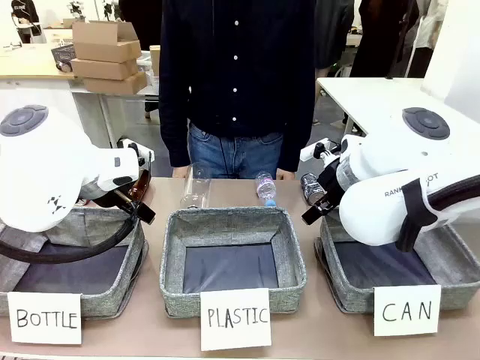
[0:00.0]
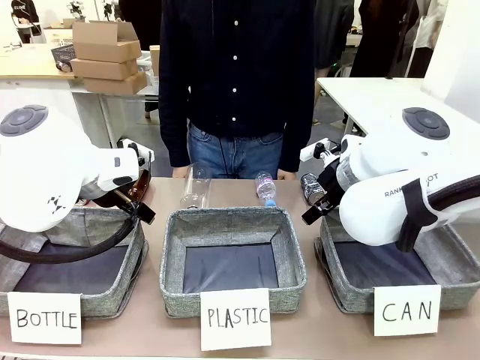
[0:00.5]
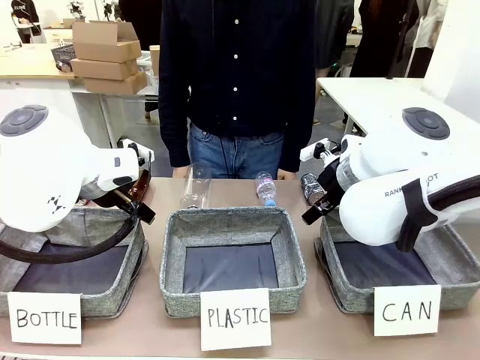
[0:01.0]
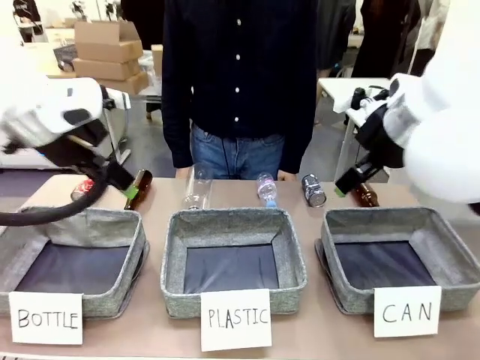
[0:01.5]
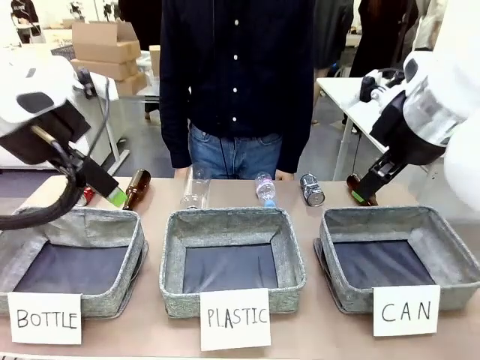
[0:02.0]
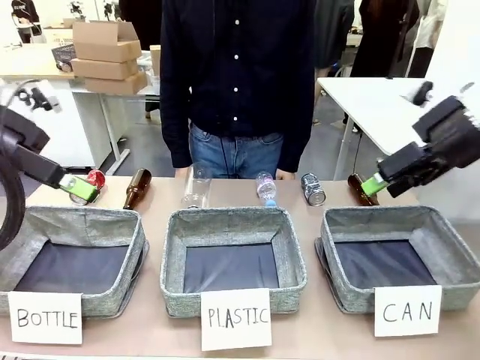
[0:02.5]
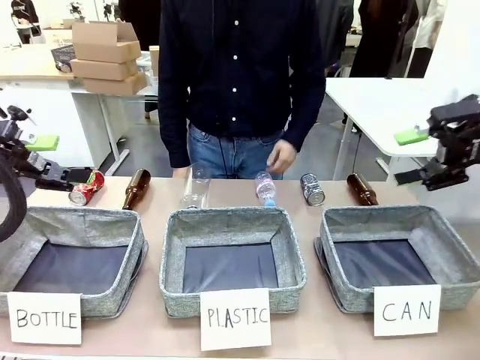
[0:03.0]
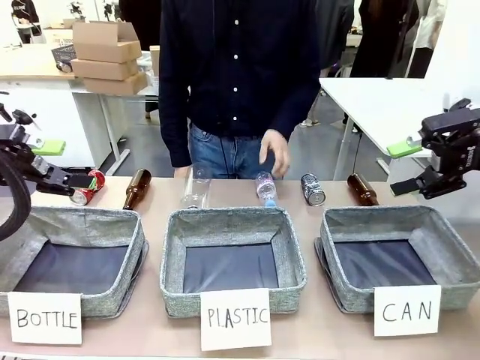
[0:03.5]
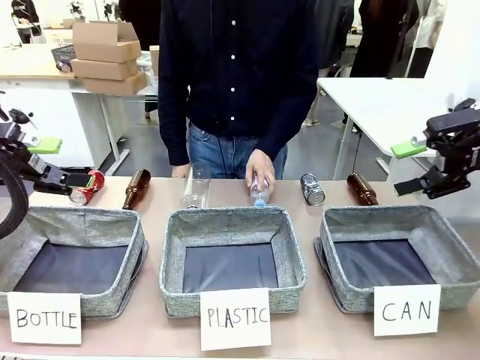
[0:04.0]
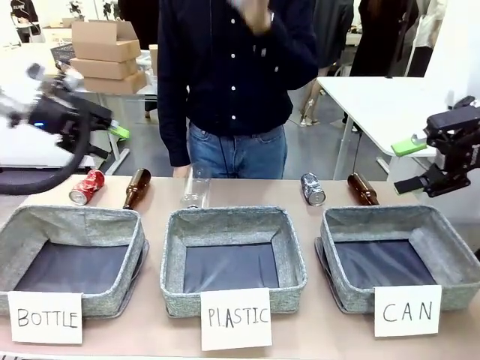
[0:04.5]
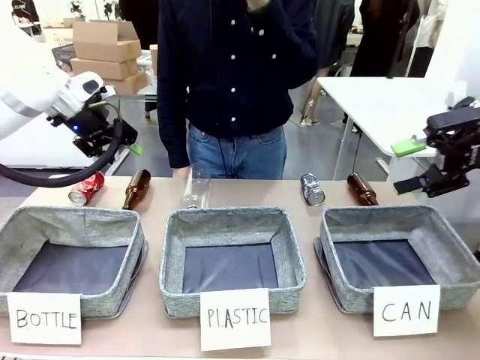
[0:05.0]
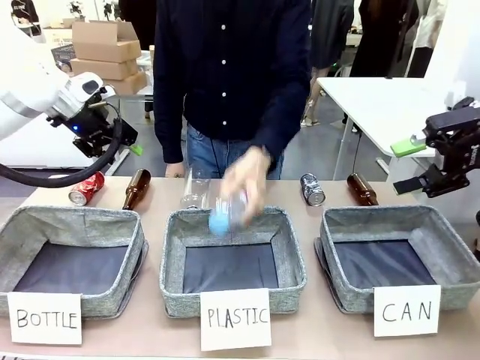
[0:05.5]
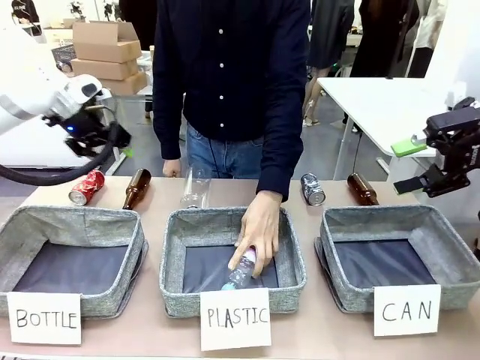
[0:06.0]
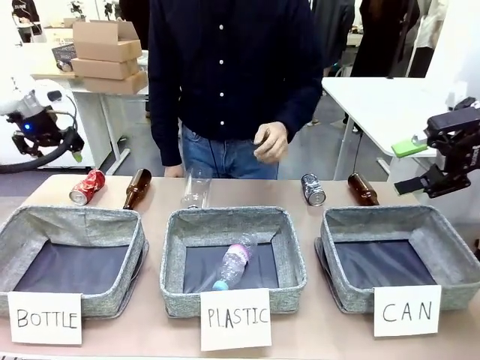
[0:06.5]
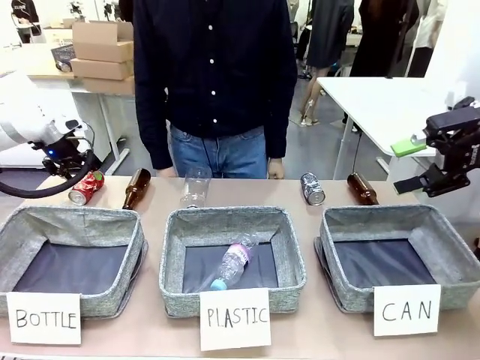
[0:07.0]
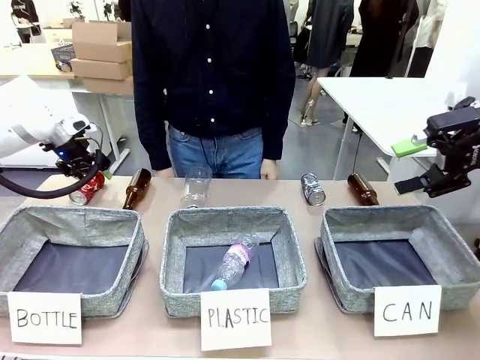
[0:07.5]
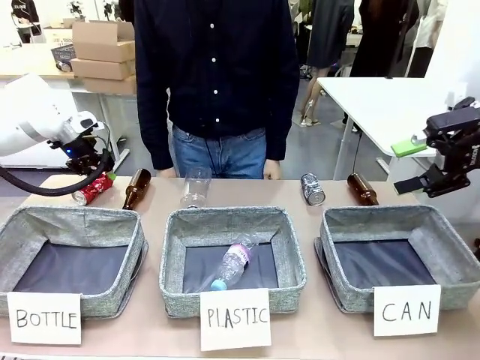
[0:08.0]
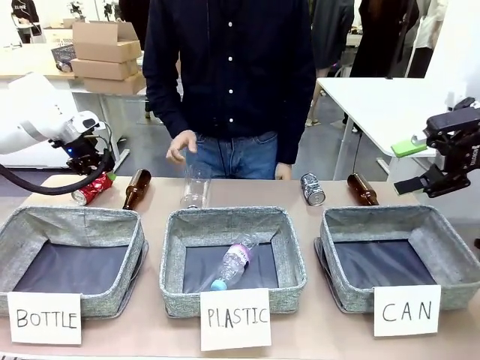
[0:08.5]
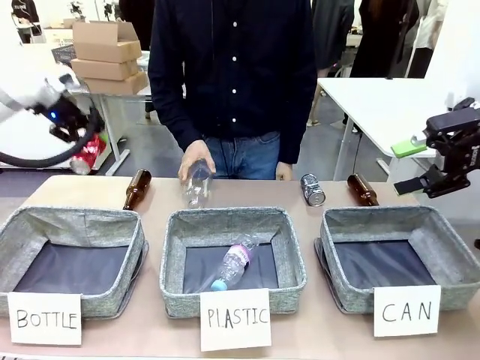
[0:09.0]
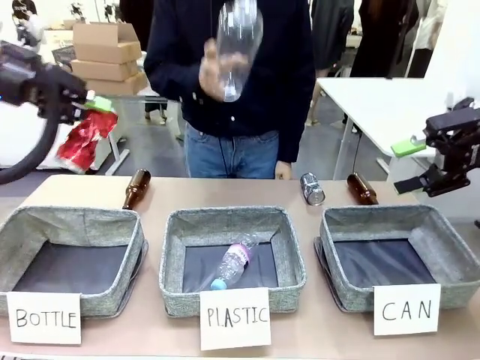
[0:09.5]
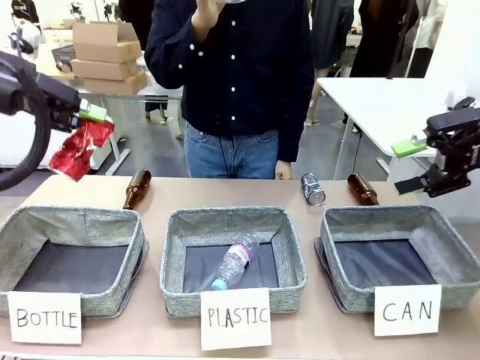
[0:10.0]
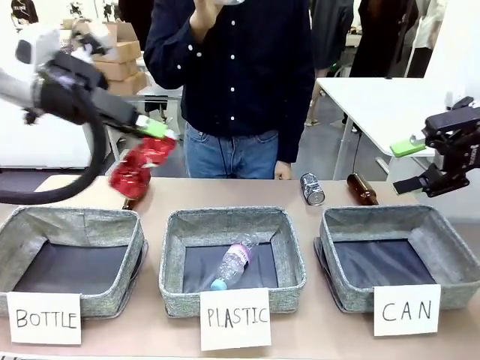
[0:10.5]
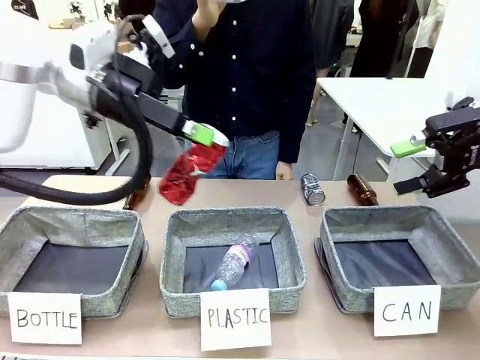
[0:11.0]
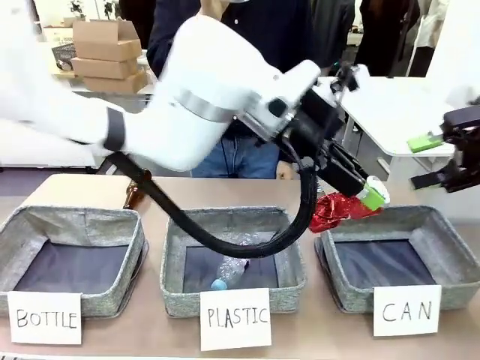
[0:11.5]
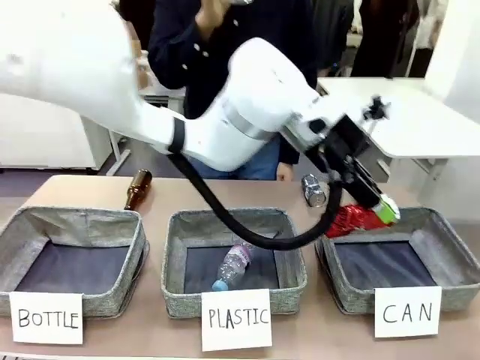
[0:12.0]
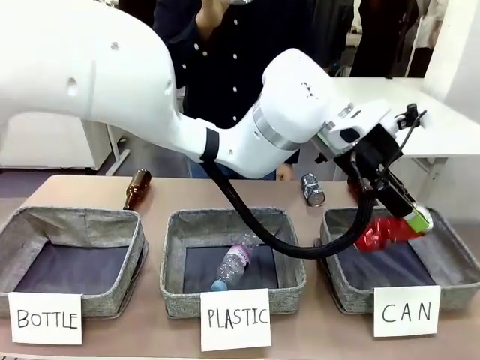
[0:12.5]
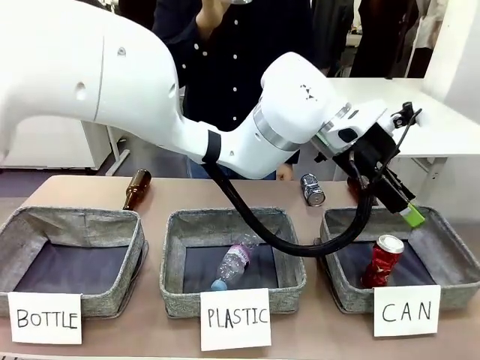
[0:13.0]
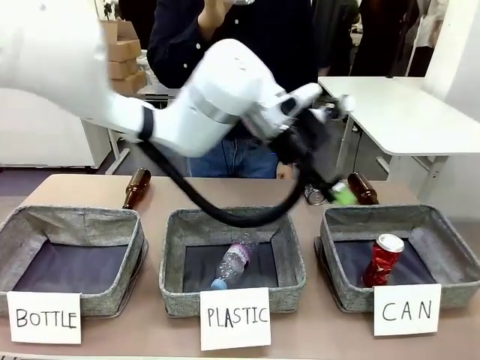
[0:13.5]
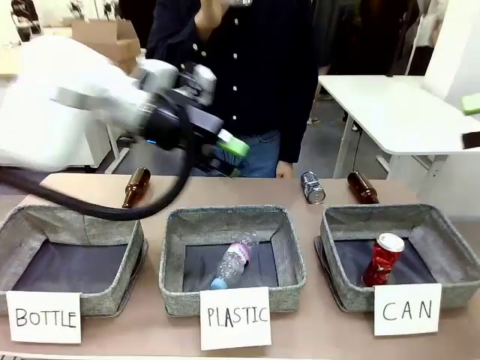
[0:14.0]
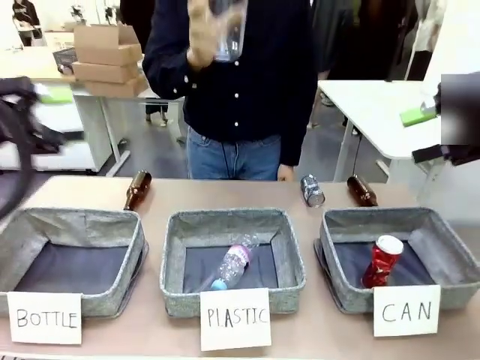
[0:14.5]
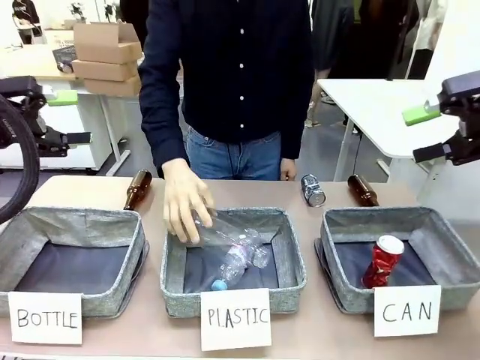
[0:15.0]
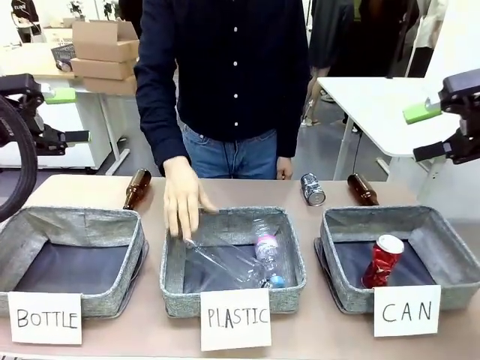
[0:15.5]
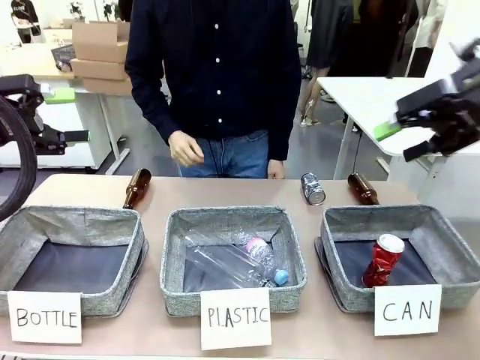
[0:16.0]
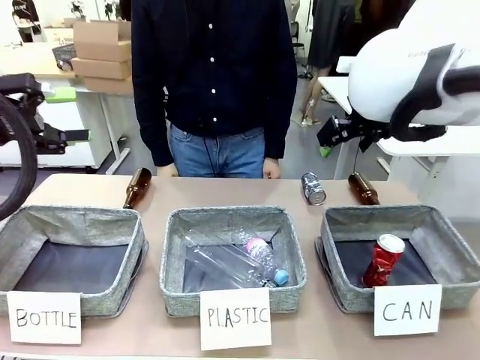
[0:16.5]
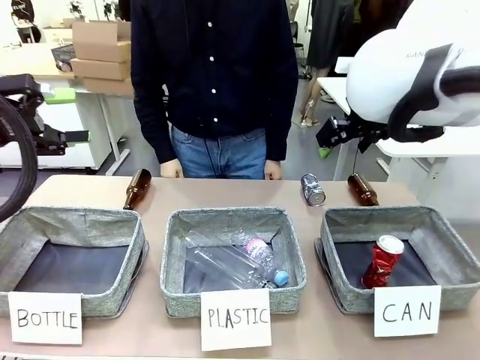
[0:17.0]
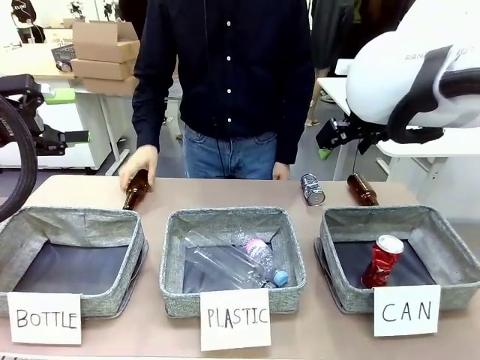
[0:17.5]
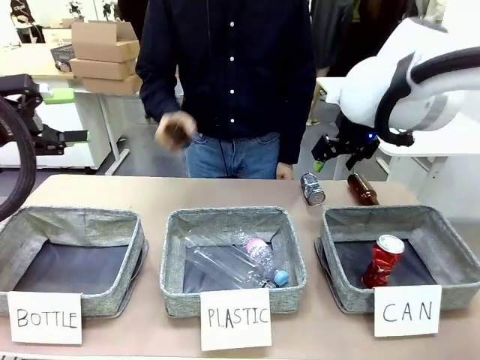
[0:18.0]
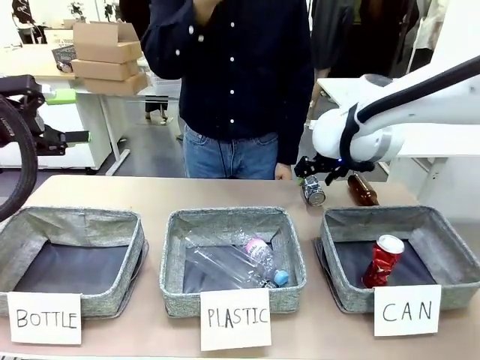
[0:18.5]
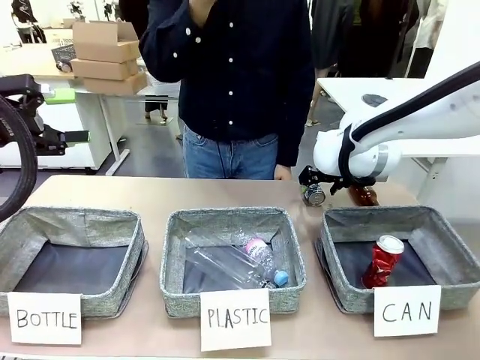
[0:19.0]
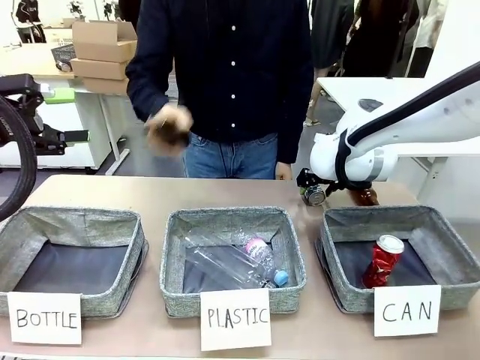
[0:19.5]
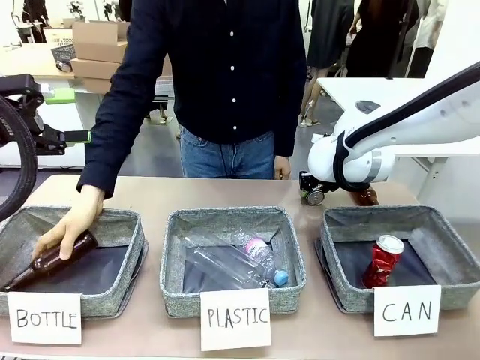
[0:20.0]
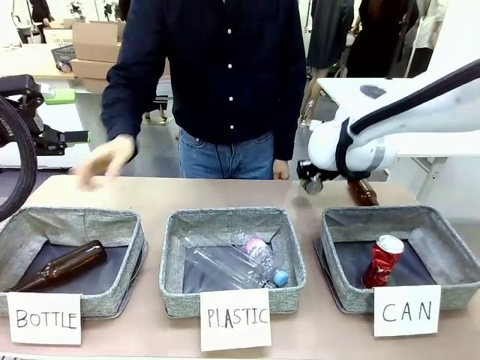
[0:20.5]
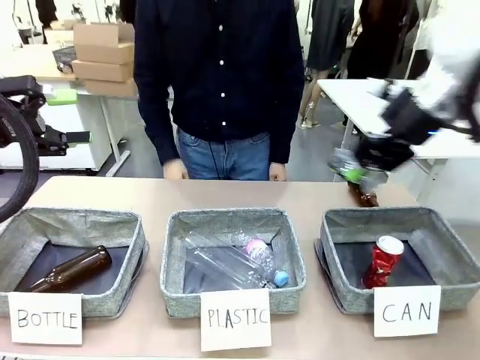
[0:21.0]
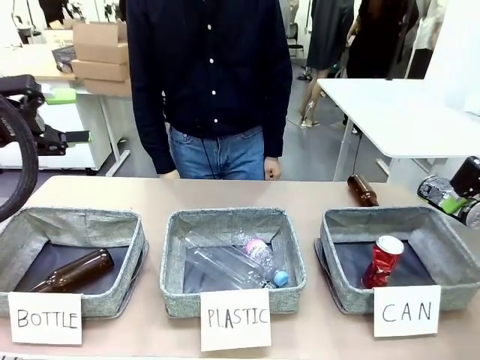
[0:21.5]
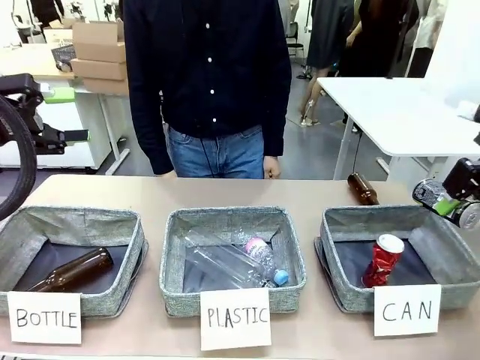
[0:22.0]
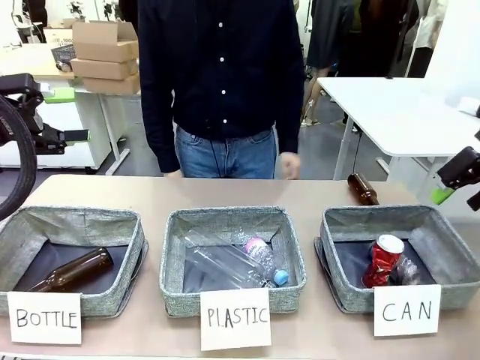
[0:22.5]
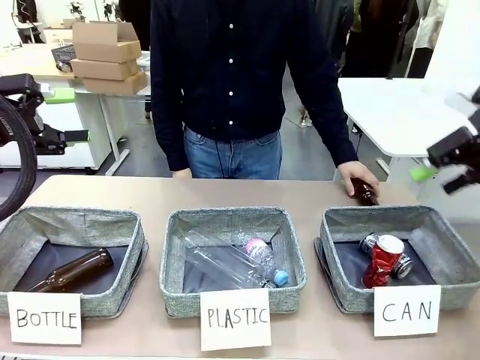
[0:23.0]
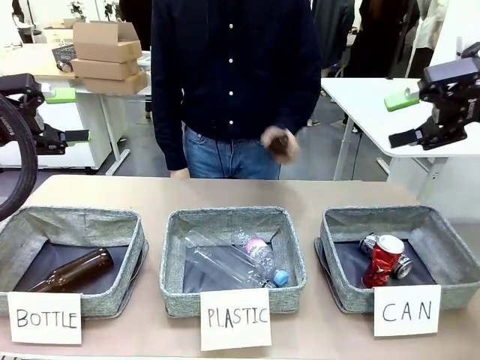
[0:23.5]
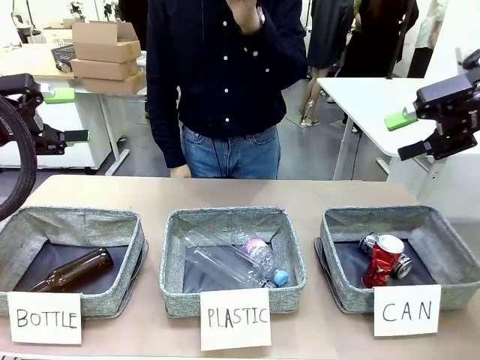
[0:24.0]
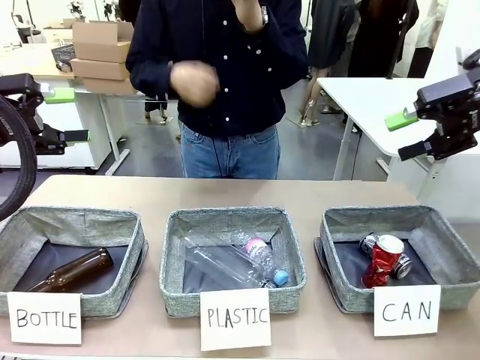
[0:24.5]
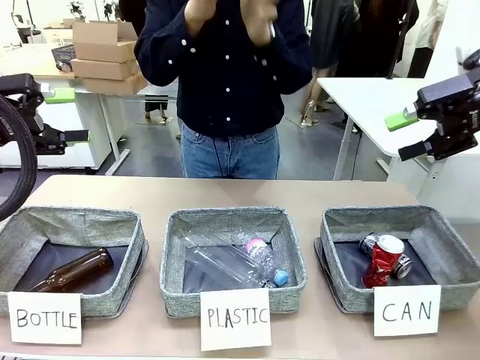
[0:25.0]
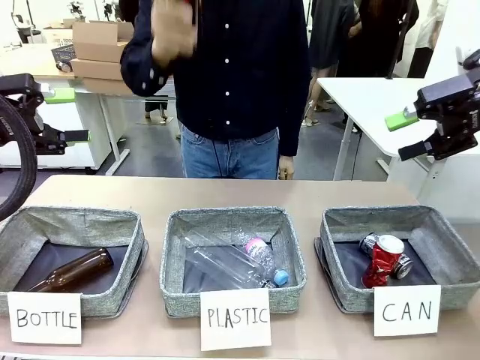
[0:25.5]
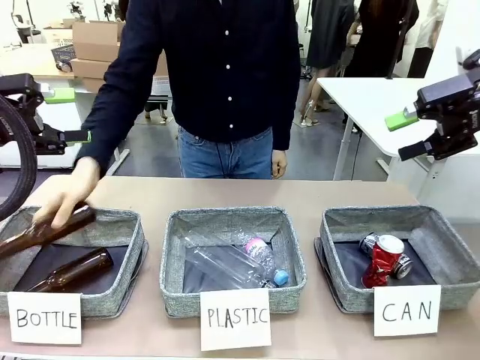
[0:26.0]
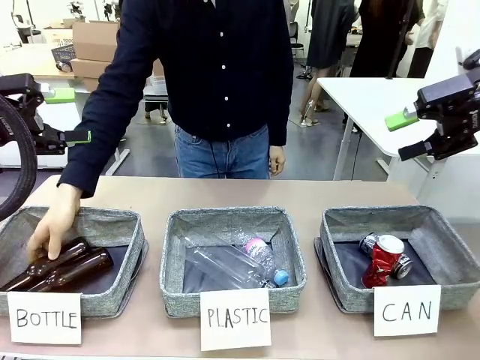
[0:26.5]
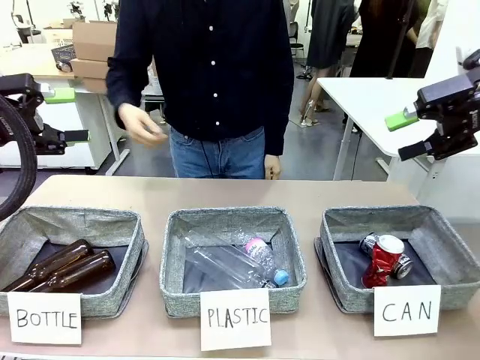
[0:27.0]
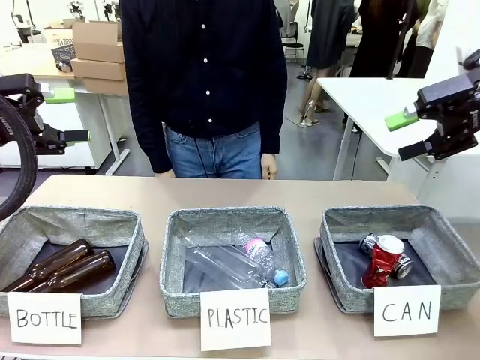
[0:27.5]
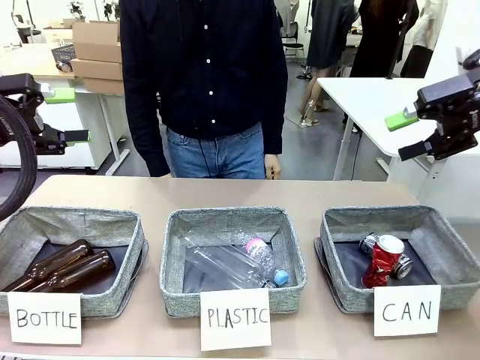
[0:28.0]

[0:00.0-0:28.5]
Task: Sort the can waste into the basket.
Robot: Pick up the can waste from the table and place it in the right Fabric basket.
Person: The human picks up one piece of trash that is not a can and places the trash into the appropriate organizing basket.
